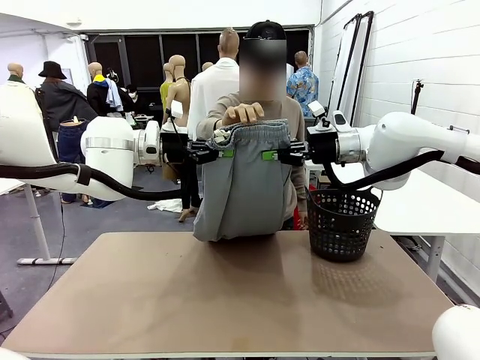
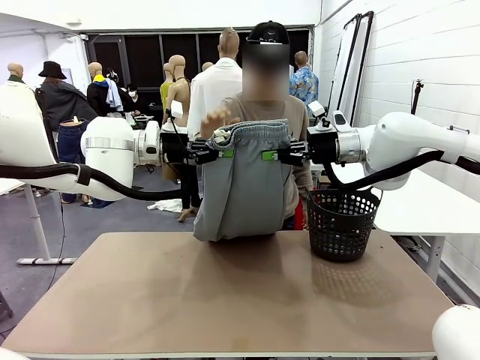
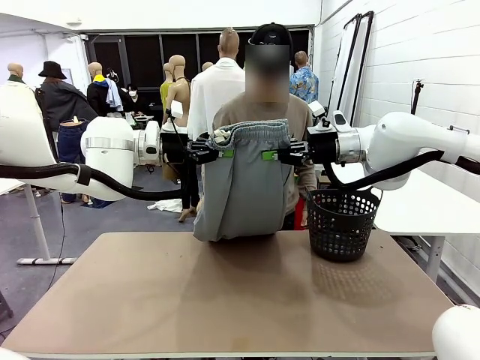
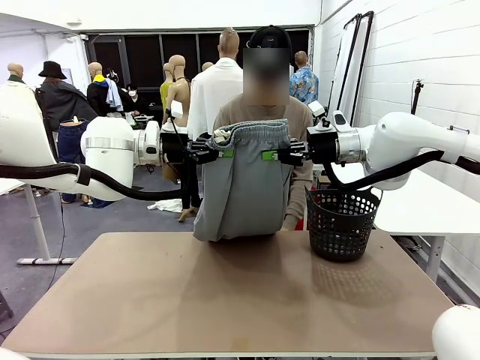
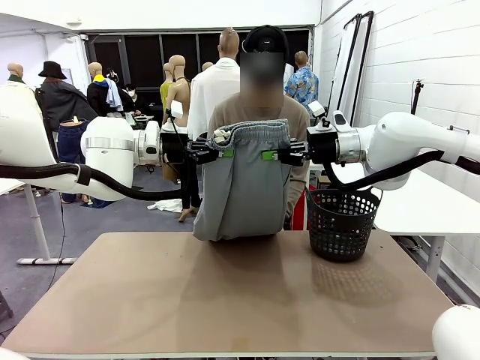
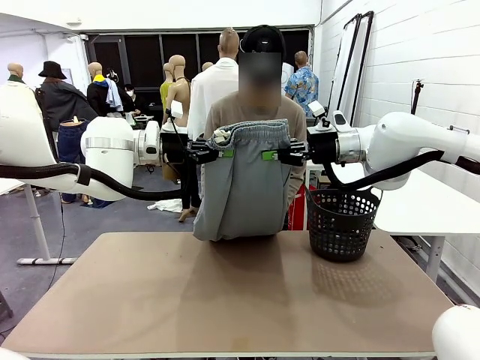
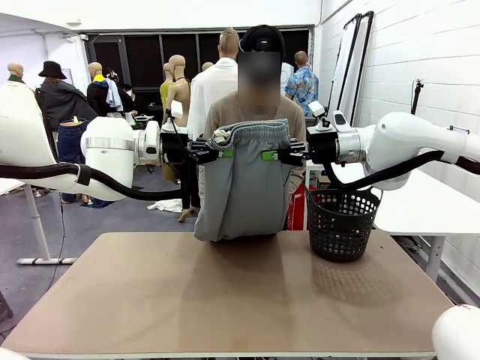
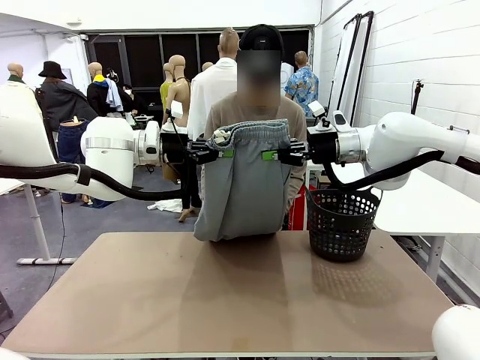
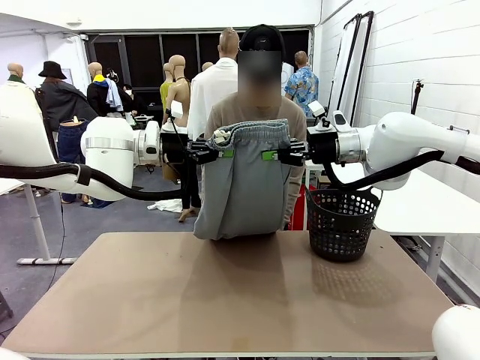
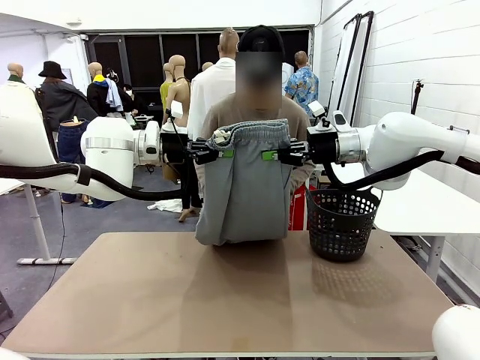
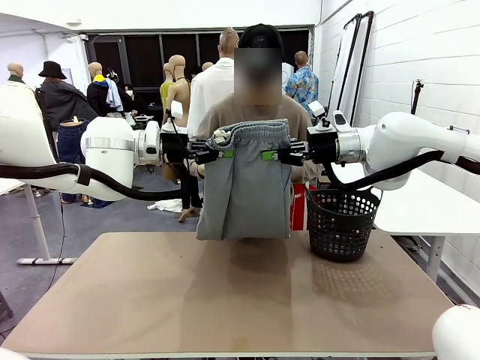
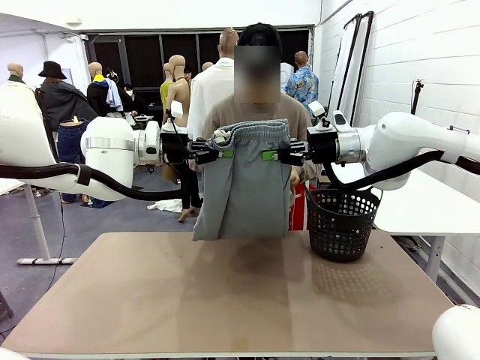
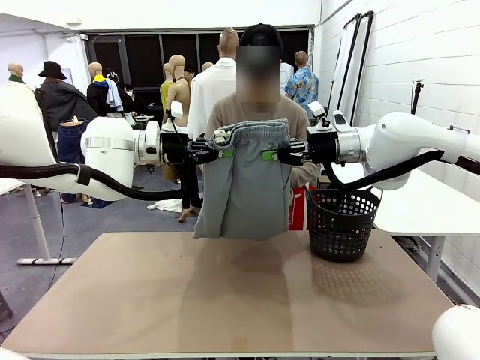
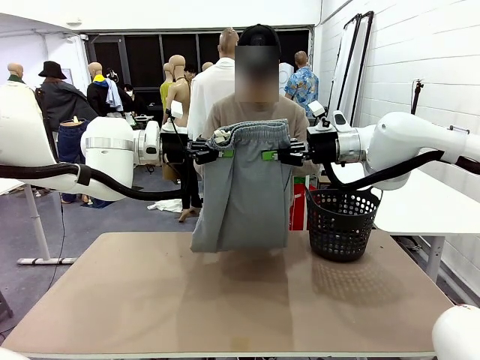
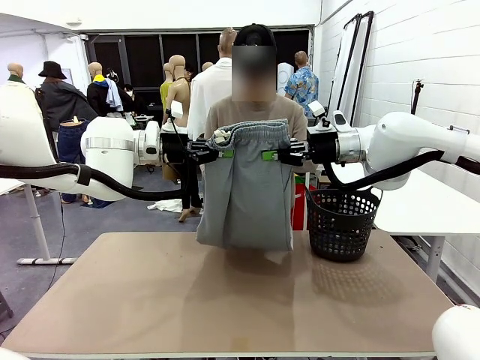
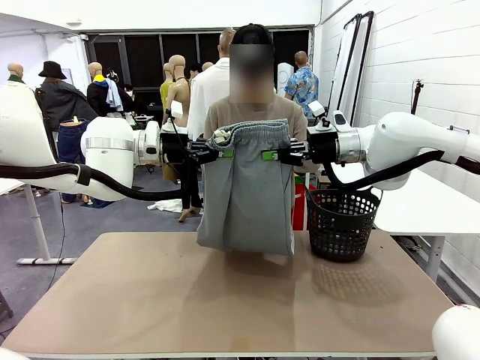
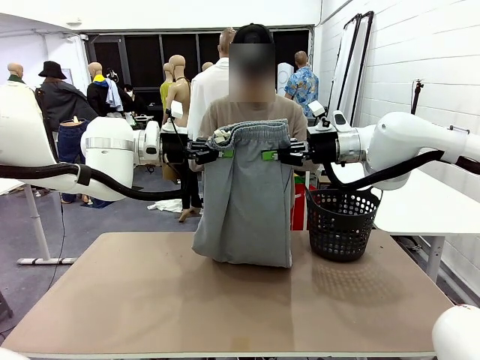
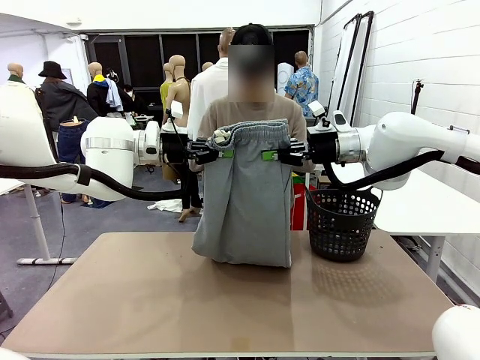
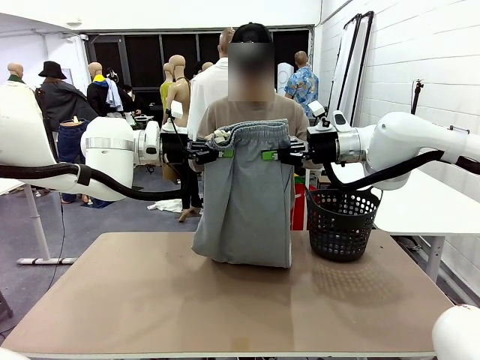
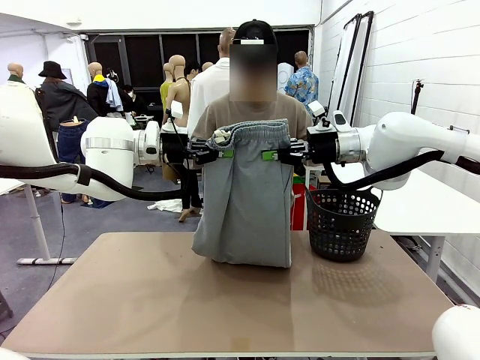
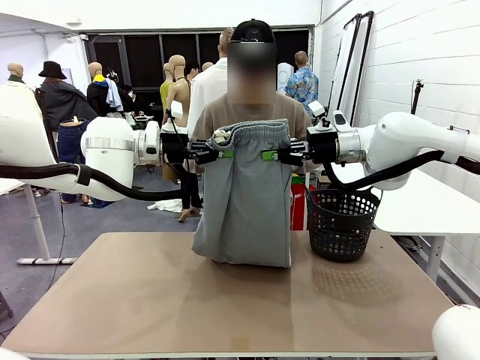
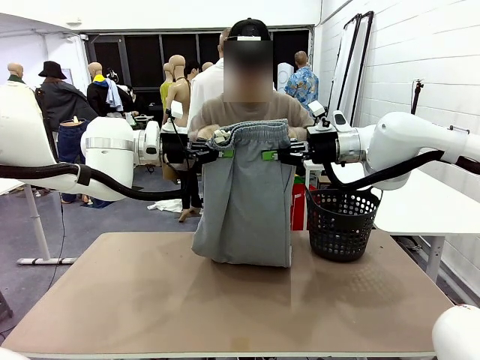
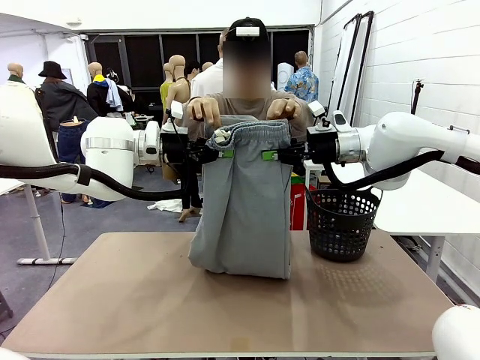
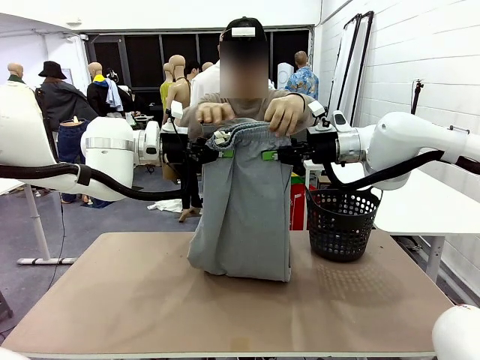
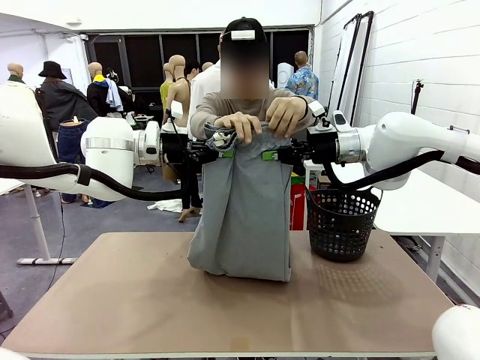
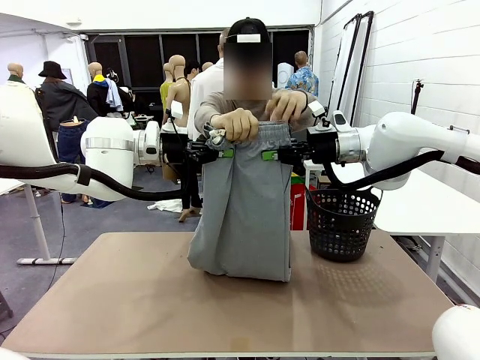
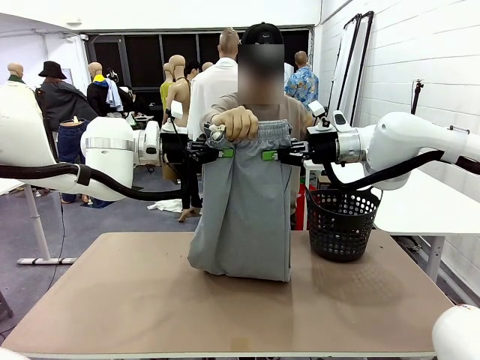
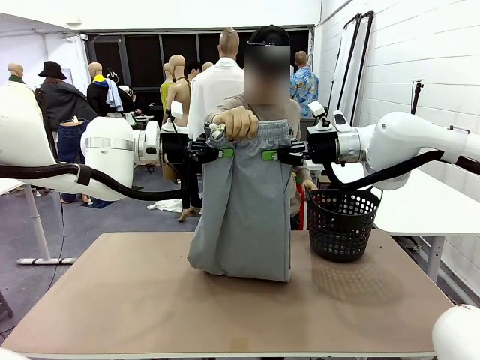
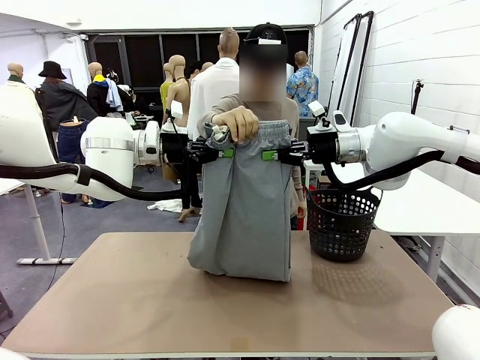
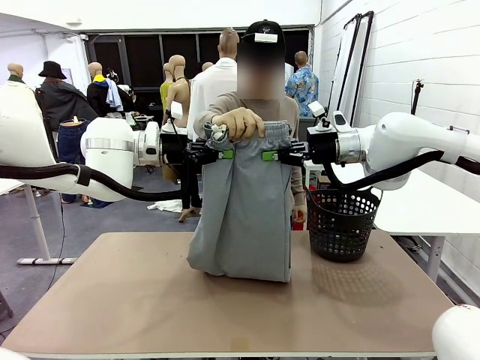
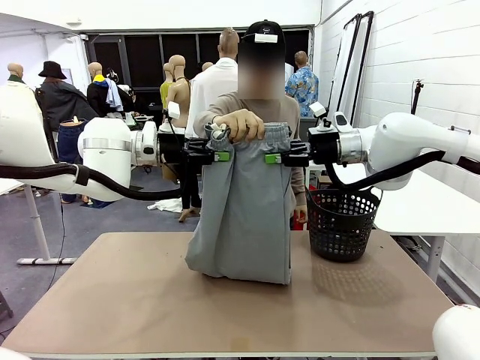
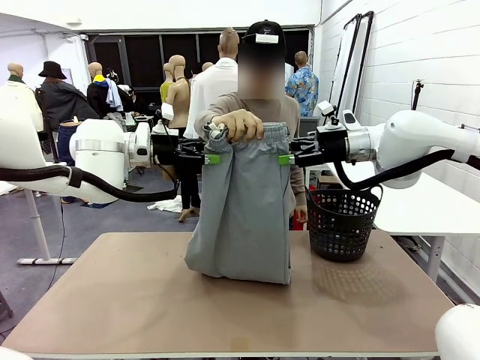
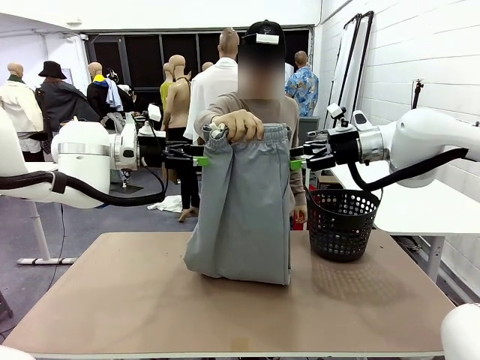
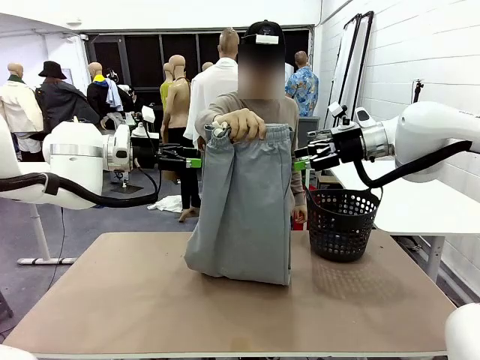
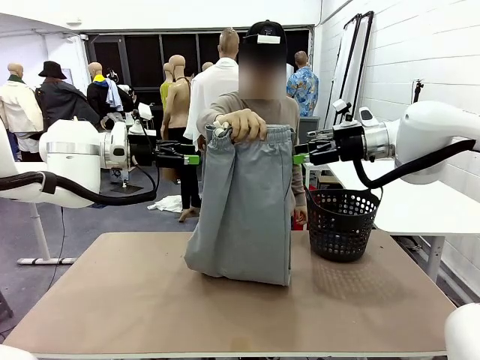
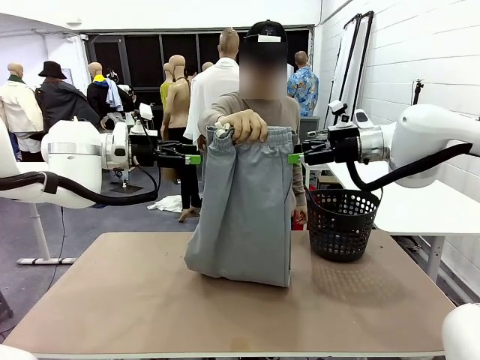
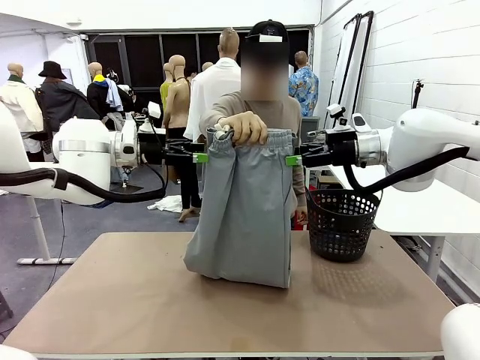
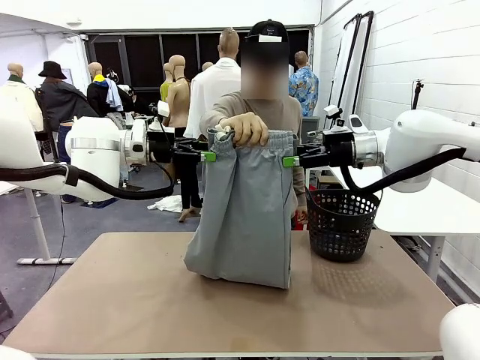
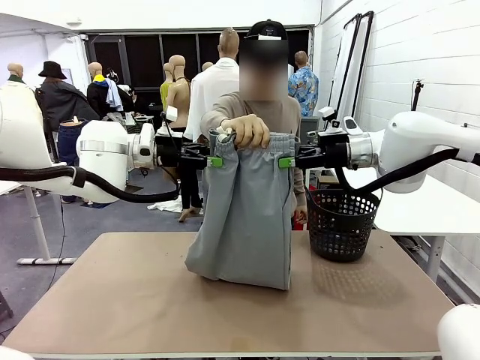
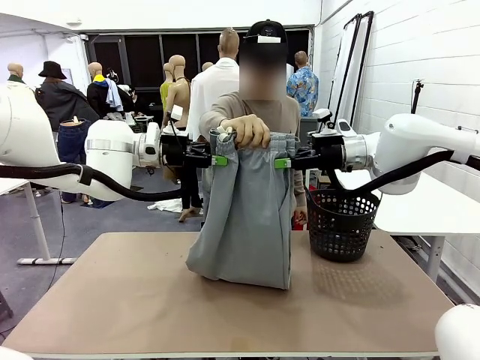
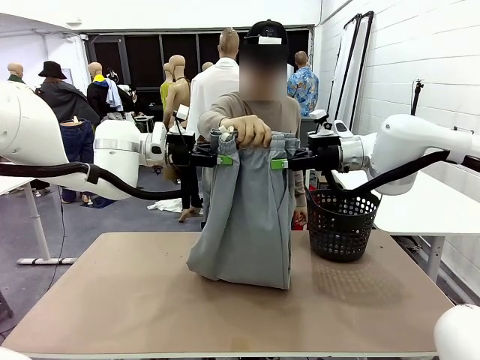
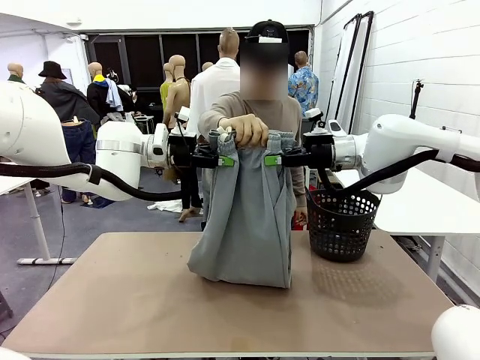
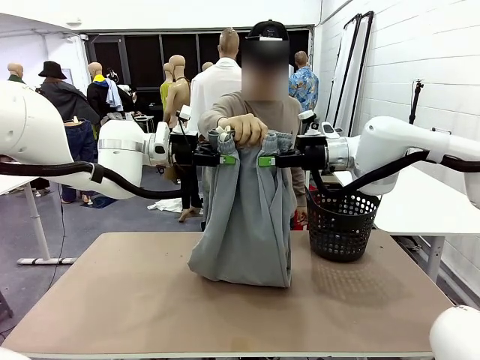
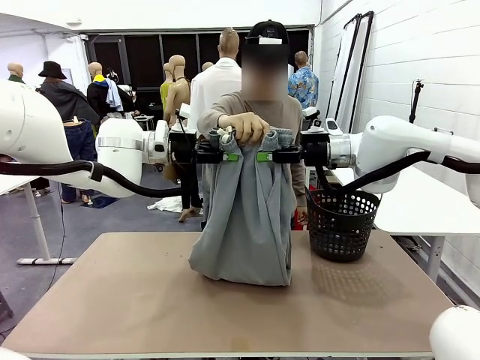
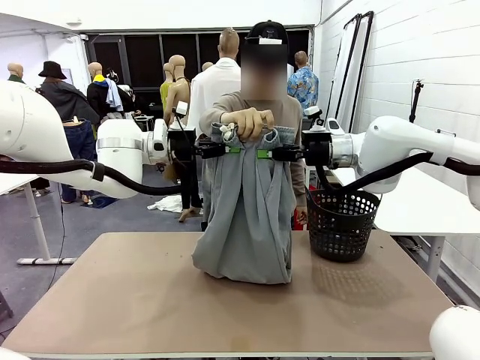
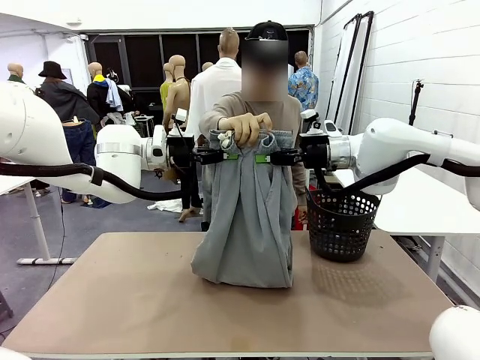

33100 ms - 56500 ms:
Task: Fold the training pants.
Robot: Release the ends of the Training pants and then grab the overlapped ends.
Person: Grasp the end opposite the point the robot is holding, fold the pants in half, and then grasp the overlapping top end of the folded pants. Release the pants you were holding.

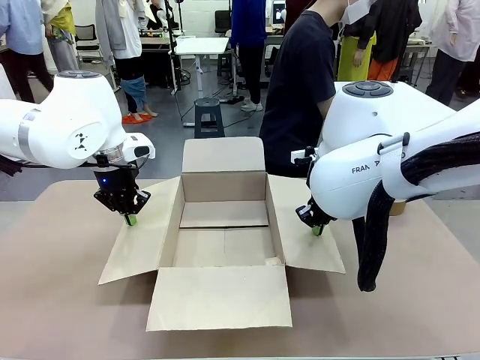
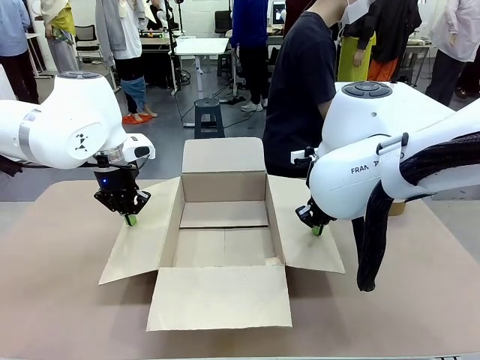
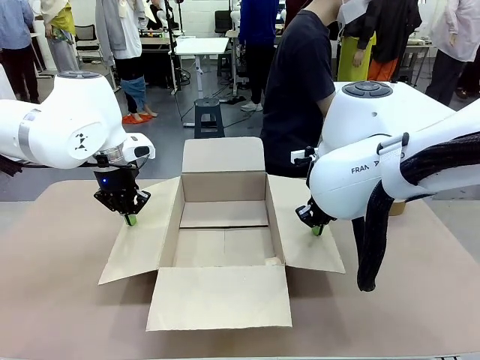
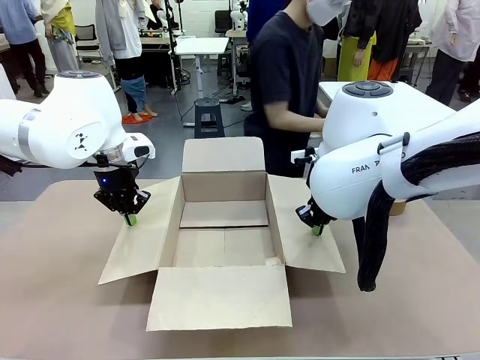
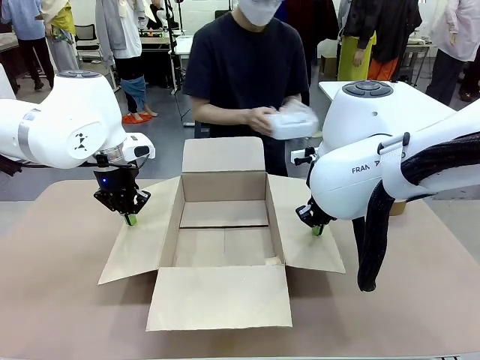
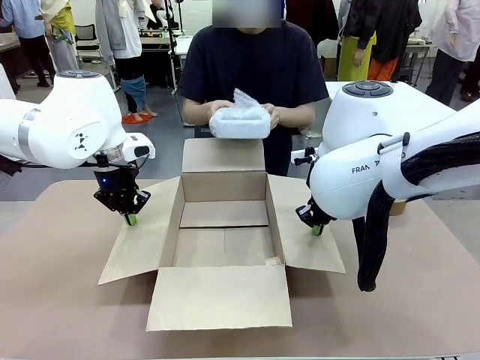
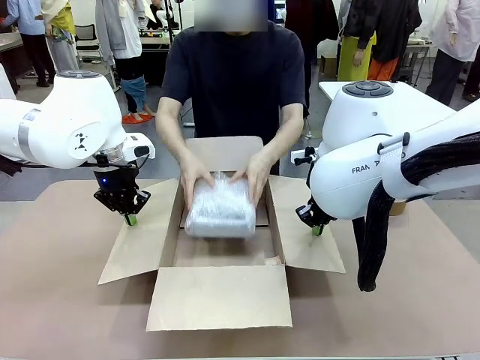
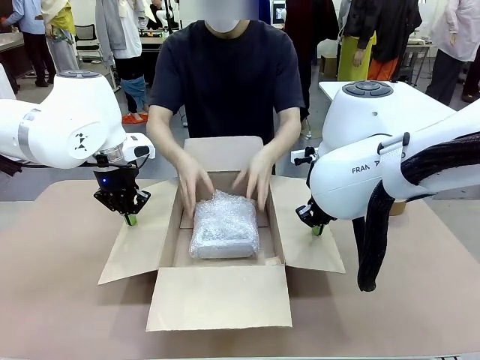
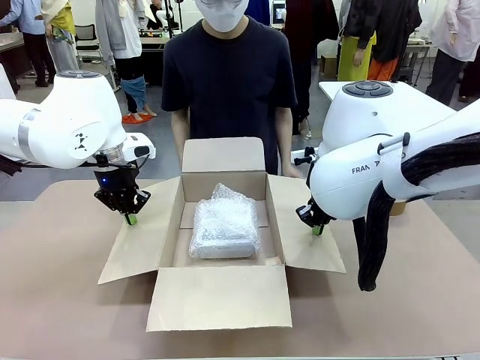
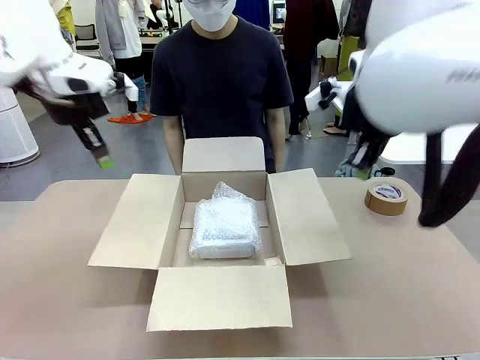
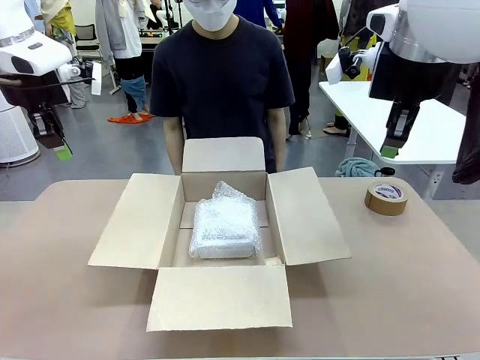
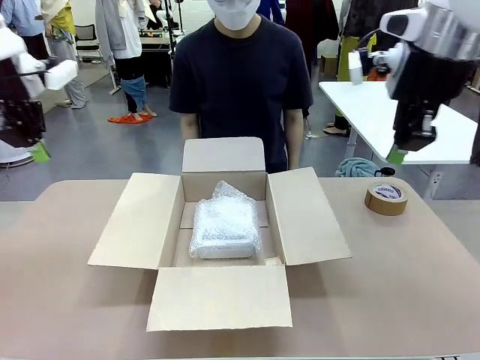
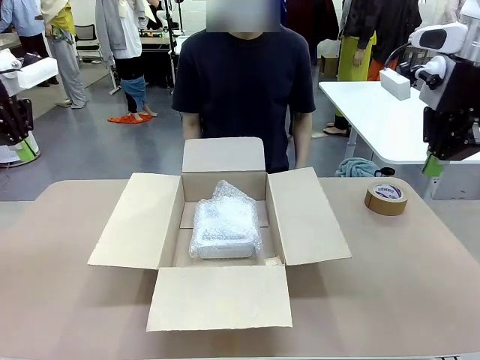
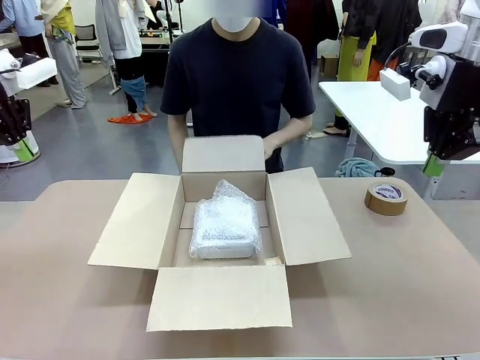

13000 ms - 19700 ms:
Task: Wrap the clocks to prevent damage.
Robot: Once the human has placed the objects inside and stepped back, release both hands from the side flaps of the Package Box.
Person: Place the wrapped Digital clocks inside the Package Box.
